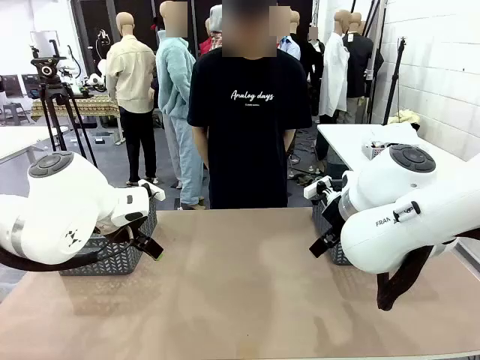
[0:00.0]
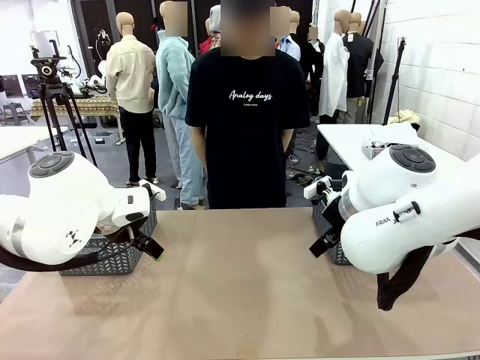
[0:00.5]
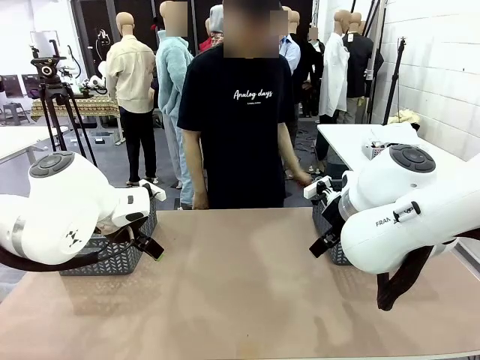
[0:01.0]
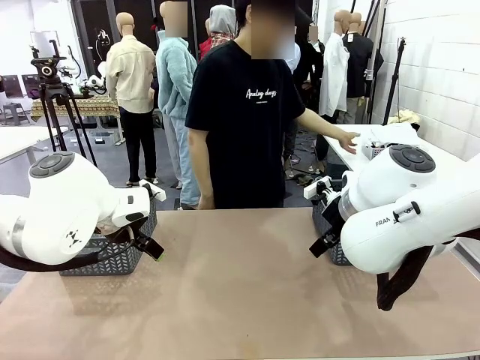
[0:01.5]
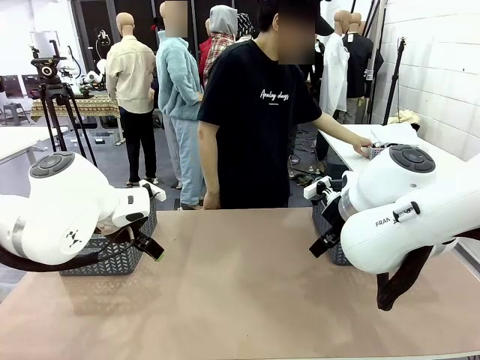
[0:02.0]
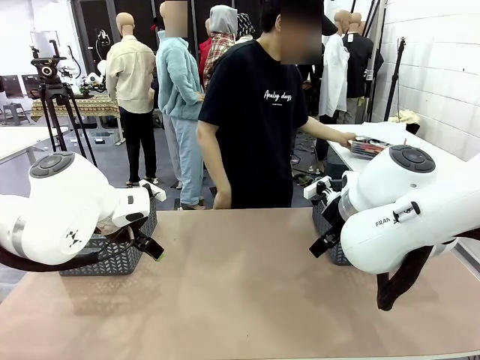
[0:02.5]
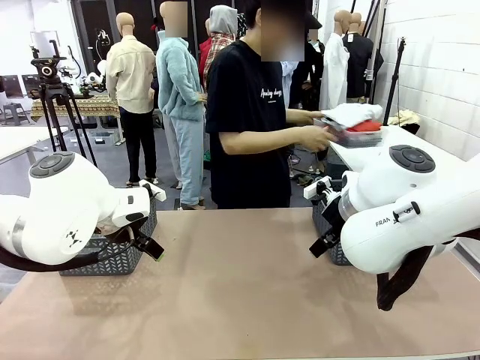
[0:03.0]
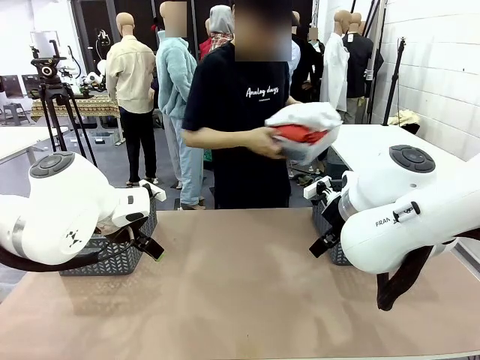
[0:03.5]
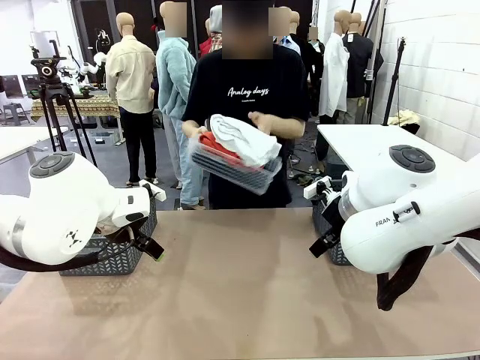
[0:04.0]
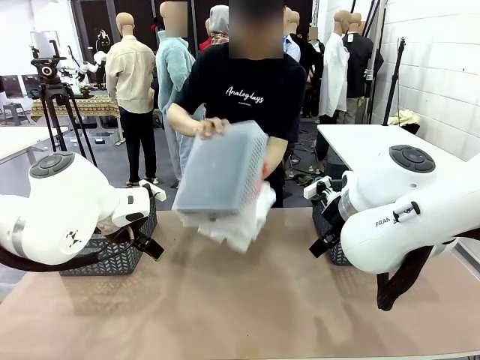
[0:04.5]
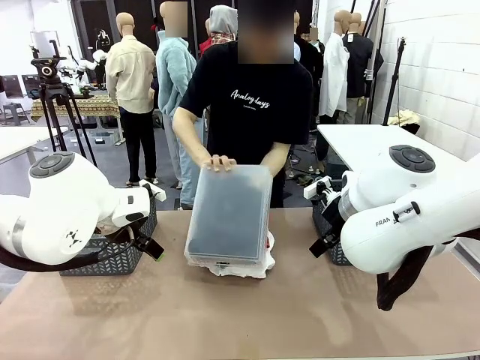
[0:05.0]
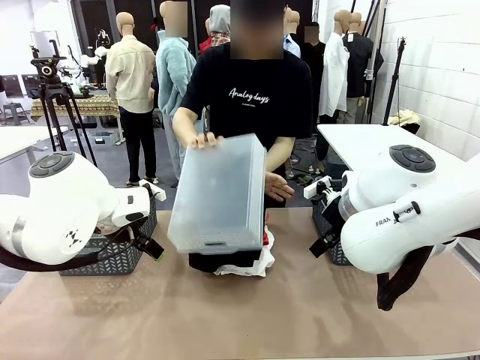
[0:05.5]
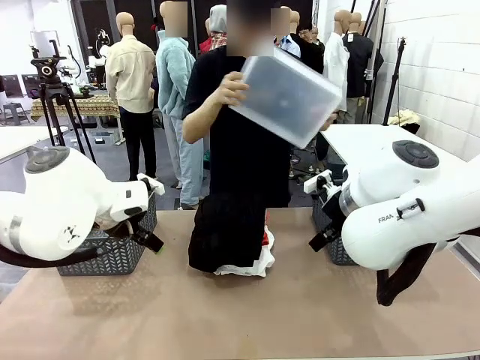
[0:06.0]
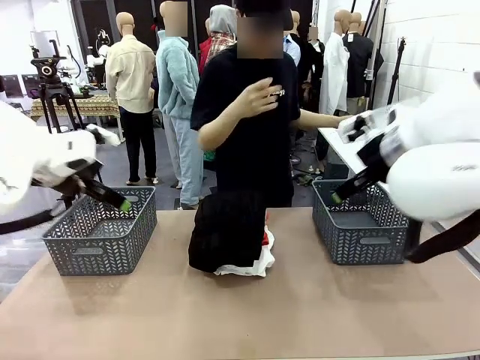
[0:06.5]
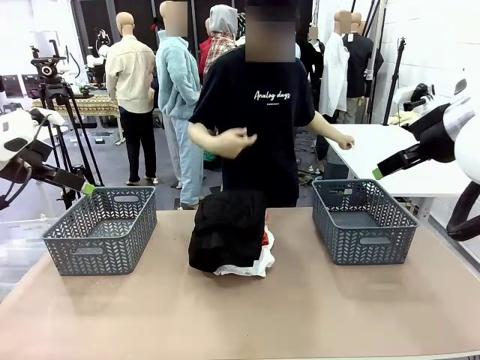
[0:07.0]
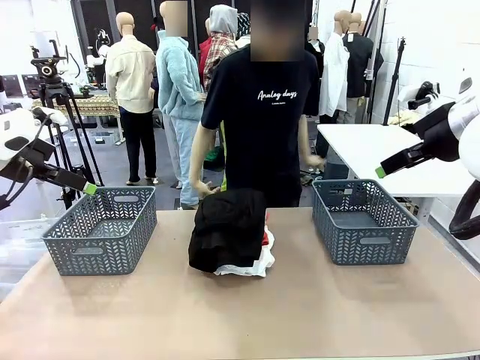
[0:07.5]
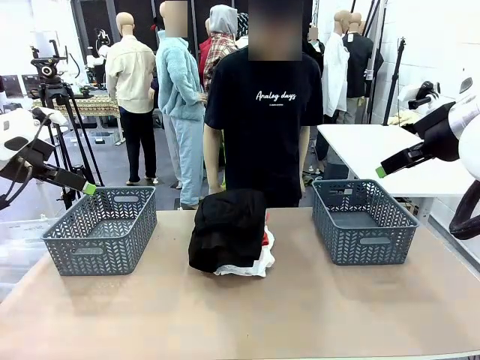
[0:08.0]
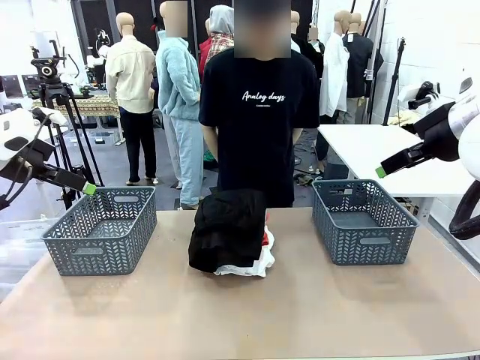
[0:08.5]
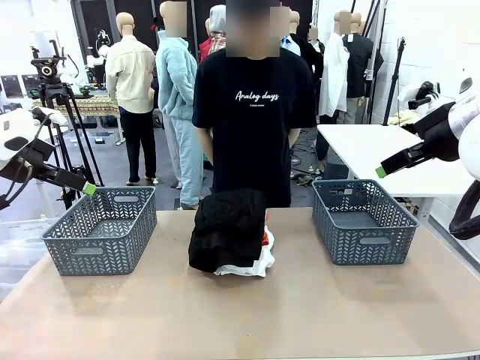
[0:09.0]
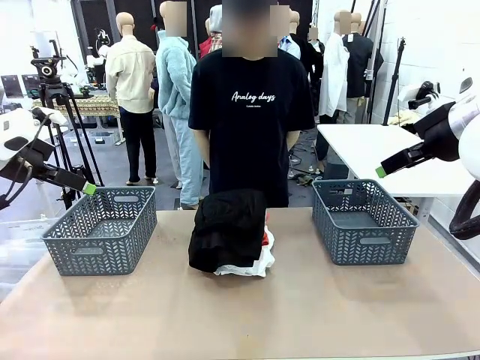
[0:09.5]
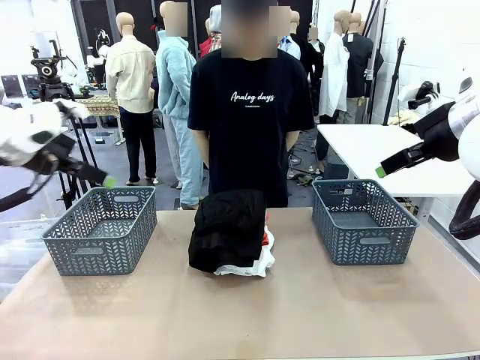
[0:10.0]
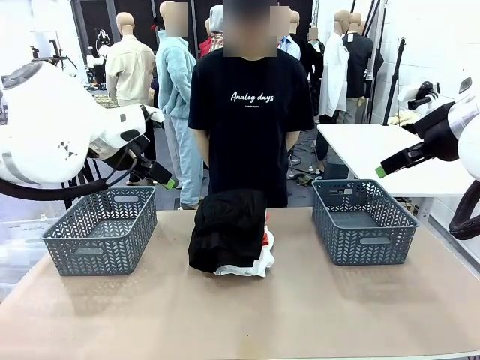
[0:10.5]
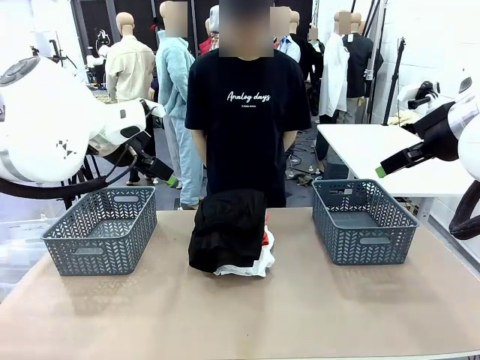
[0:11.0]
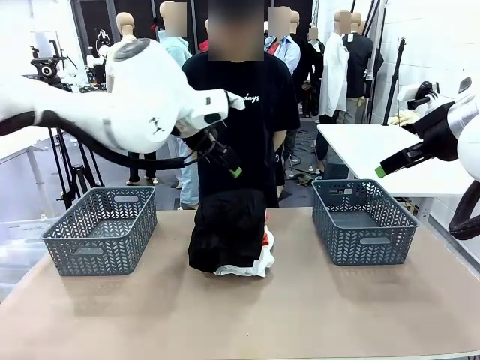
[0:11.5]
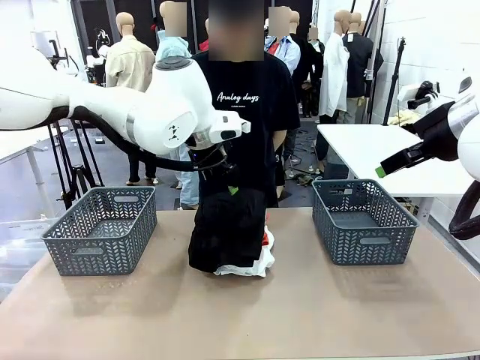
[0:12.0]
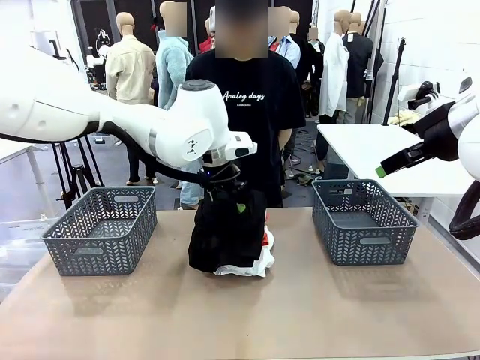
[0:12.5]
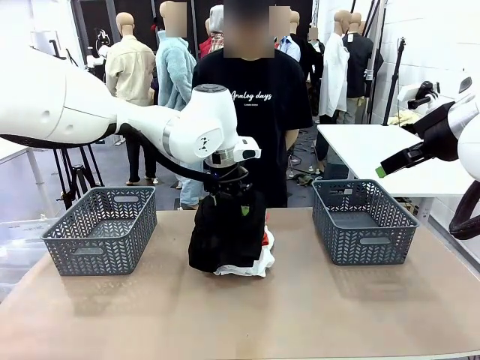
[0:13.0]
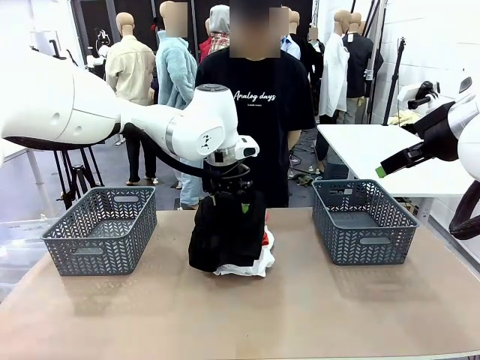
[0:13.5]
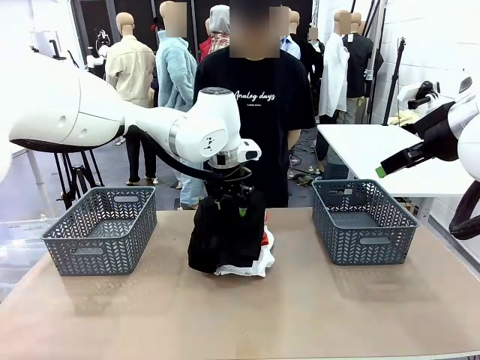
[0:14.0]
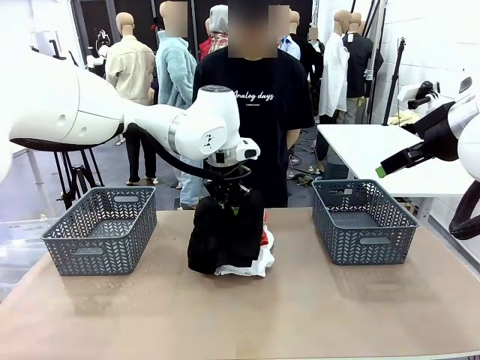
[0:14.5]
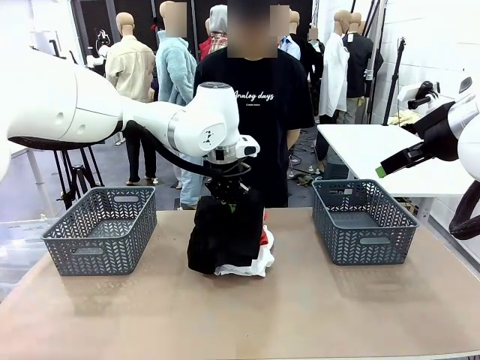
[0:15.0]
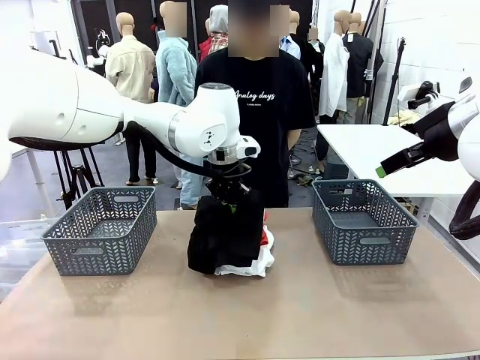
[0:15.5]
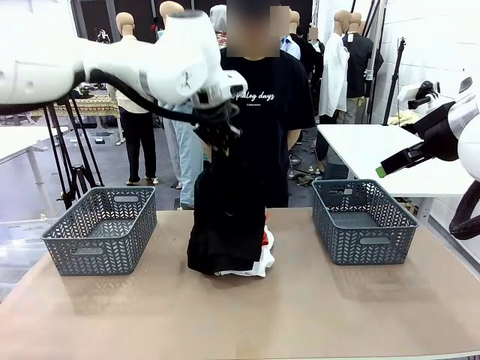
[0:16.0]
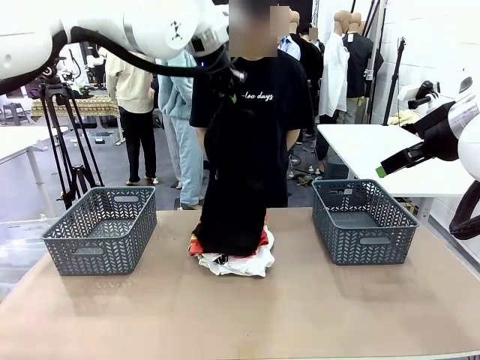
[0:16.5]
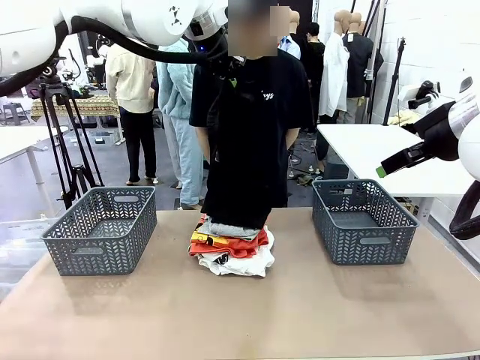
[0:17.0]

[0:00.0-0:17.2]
Task: Sort the tops and bottoms.
Robot: Lift clothes from the center of the table with your left hand.
Person: Pour the clothes from the basket onto the center of the robot table.

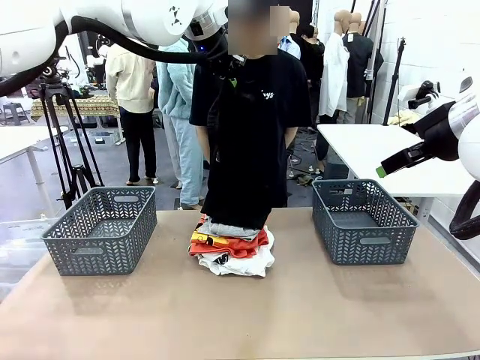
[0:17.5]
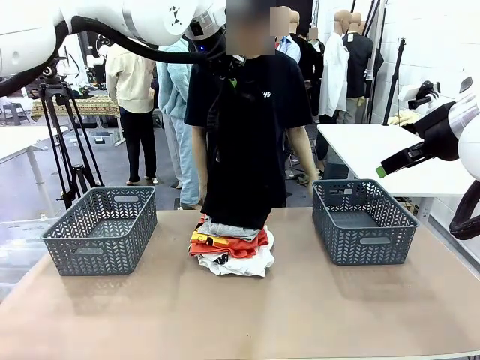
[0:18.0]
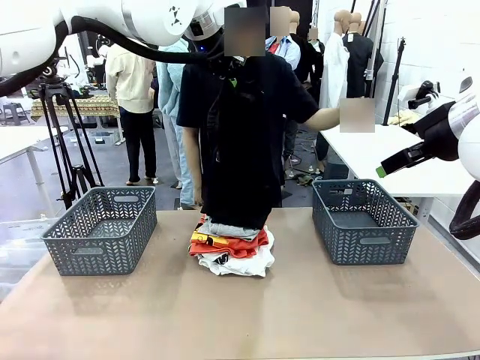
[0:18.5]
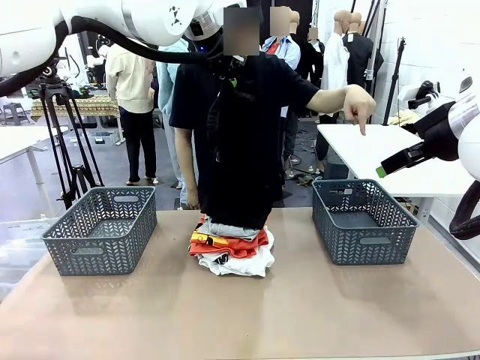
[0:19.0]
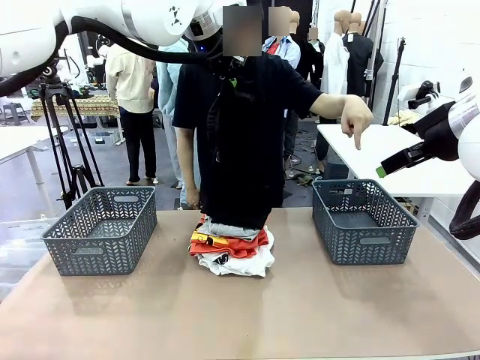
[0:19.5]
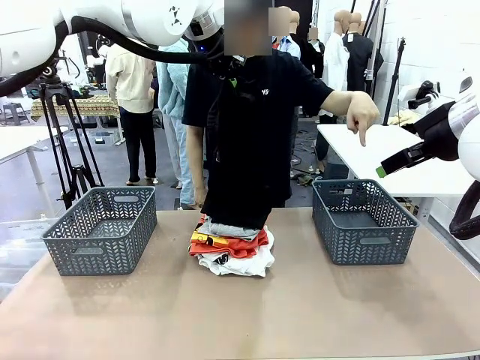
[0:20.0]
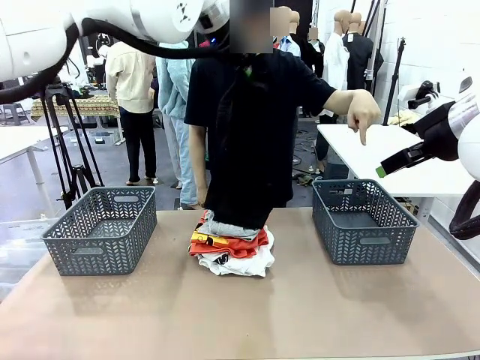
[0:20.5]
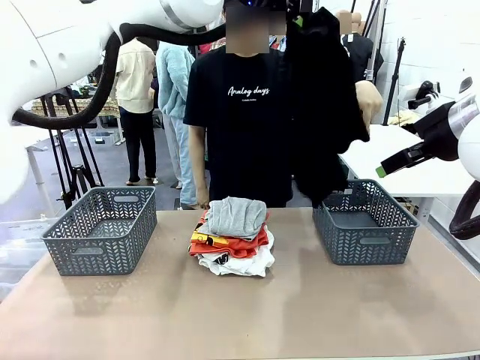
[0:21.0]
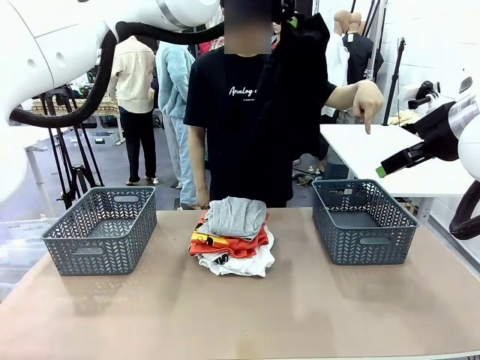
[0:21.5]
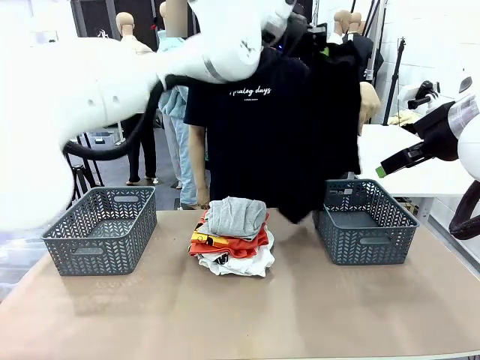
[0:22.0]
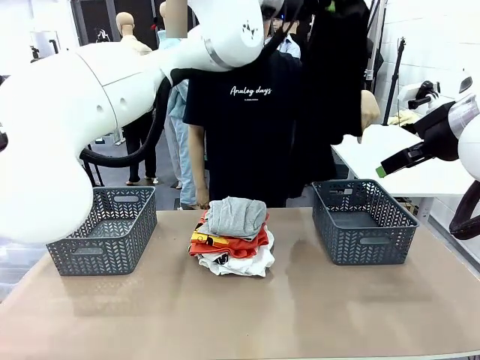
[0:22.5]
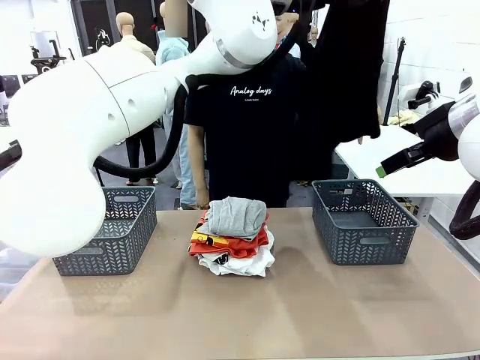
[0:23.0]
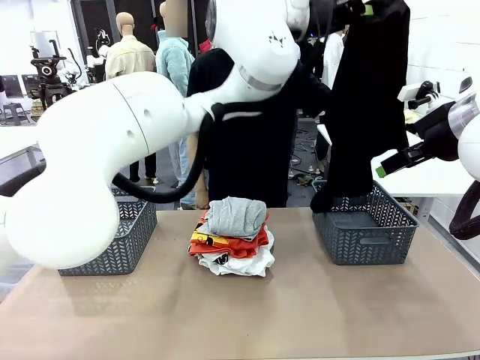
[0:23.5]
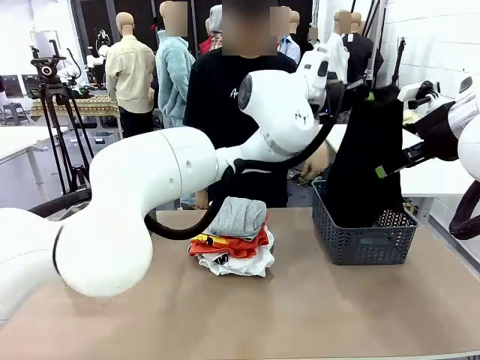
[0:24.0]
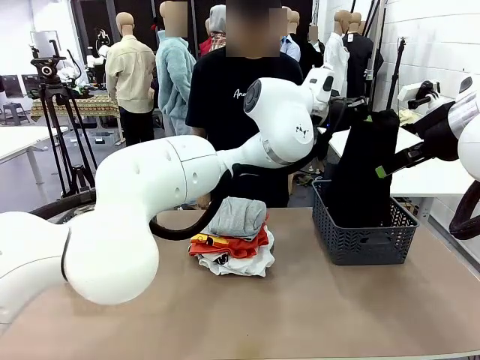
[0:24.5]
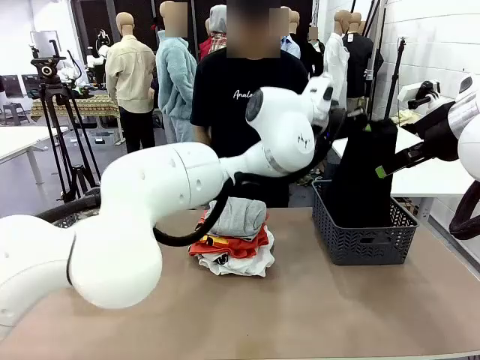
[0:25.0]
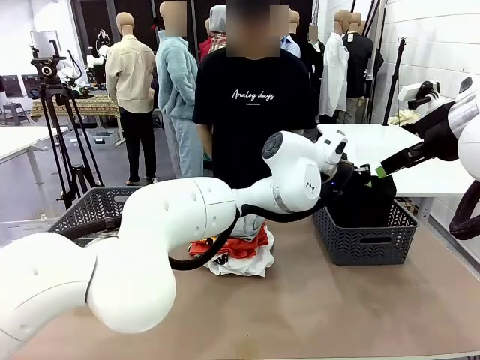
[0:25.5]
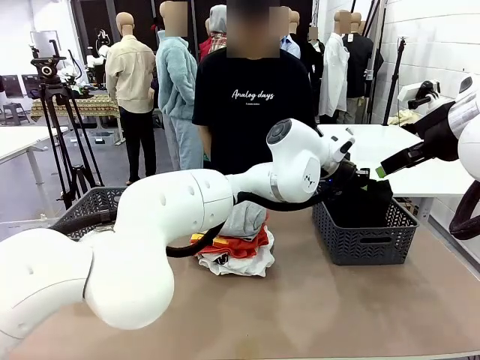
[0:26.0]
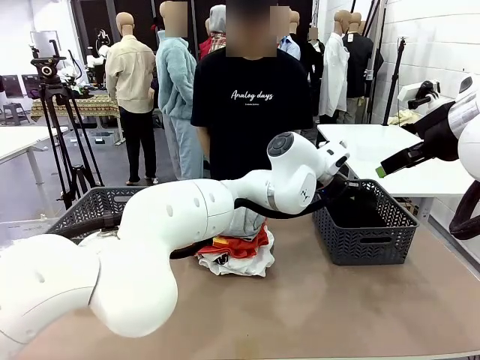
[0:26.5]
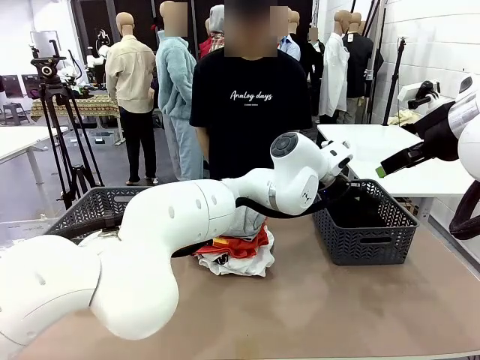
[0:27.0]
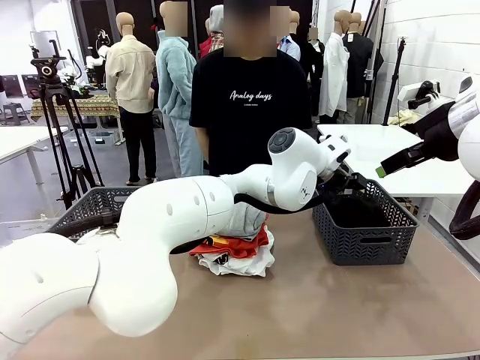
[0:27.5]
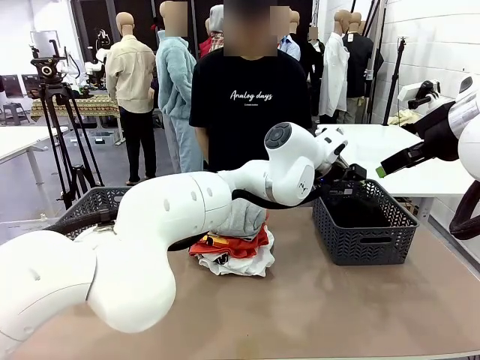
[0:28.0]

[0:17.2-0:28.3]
Robot: Sort the clothes according to human instructions.
